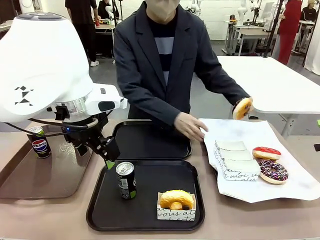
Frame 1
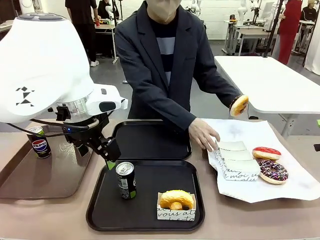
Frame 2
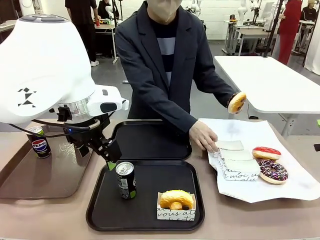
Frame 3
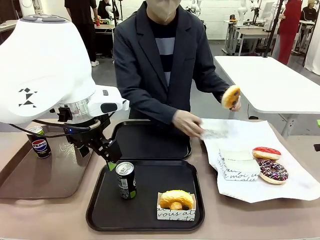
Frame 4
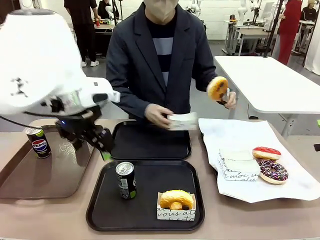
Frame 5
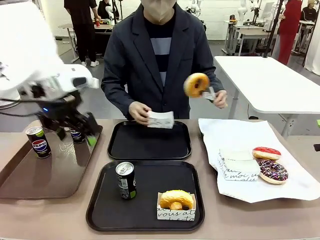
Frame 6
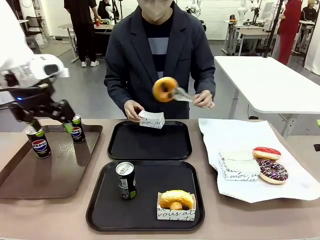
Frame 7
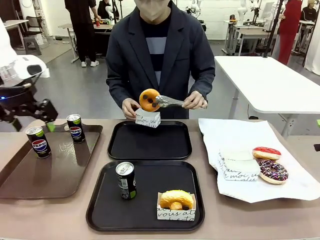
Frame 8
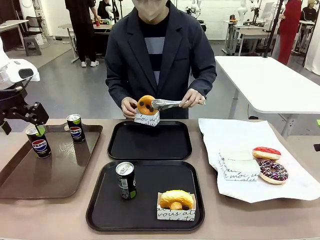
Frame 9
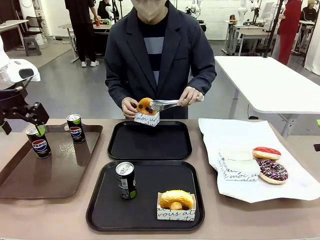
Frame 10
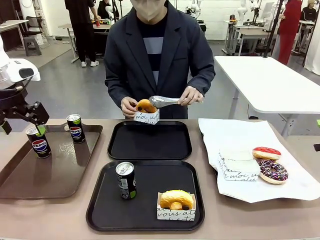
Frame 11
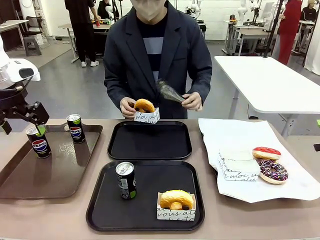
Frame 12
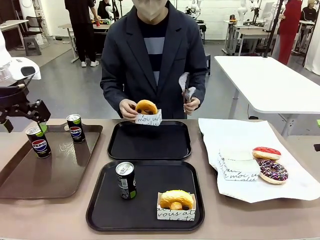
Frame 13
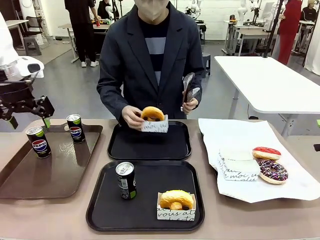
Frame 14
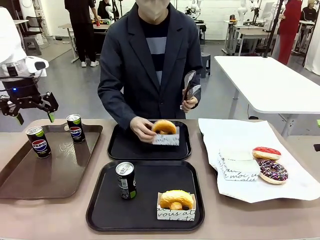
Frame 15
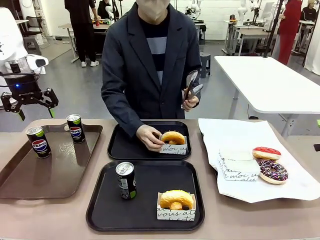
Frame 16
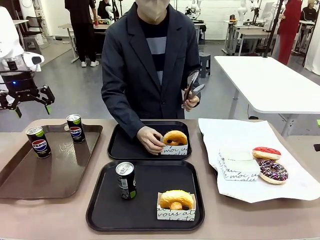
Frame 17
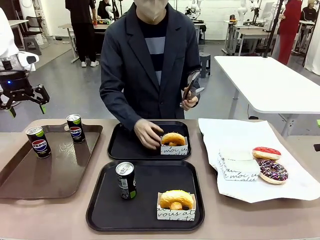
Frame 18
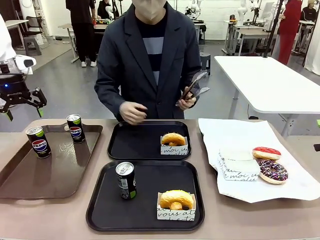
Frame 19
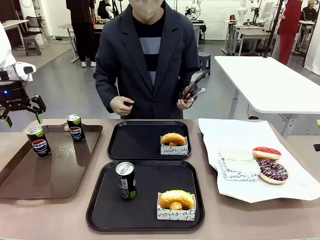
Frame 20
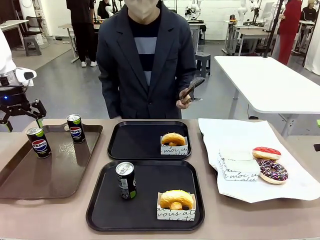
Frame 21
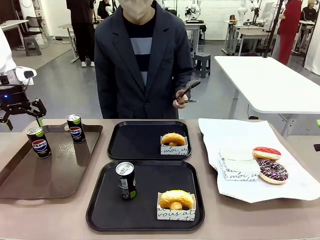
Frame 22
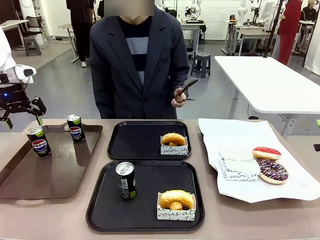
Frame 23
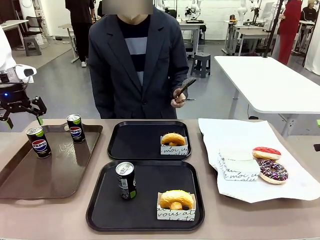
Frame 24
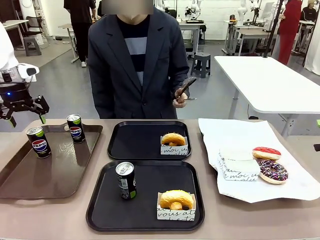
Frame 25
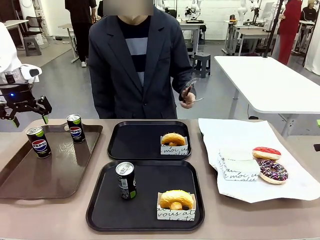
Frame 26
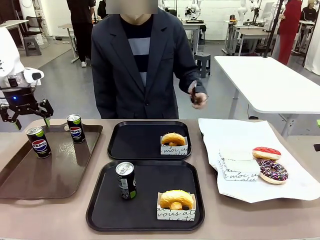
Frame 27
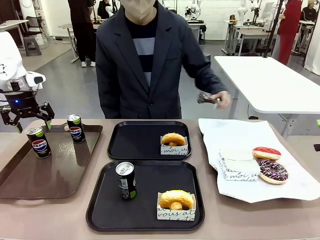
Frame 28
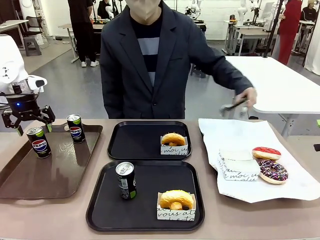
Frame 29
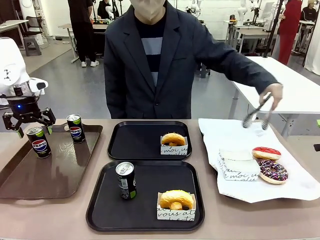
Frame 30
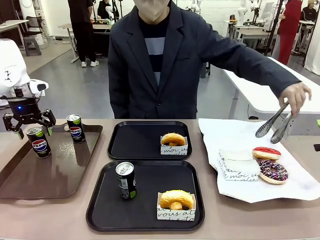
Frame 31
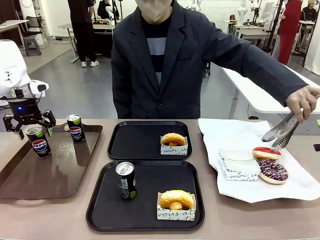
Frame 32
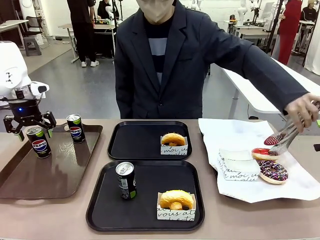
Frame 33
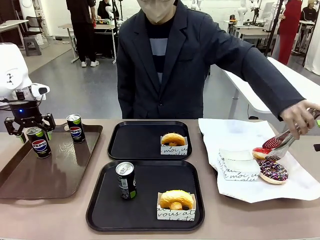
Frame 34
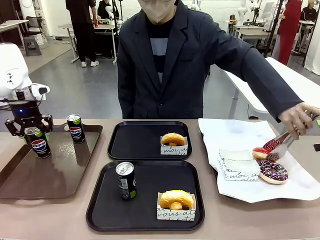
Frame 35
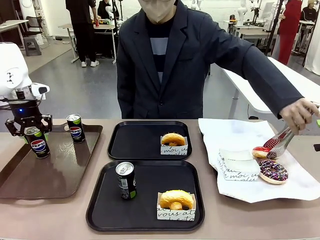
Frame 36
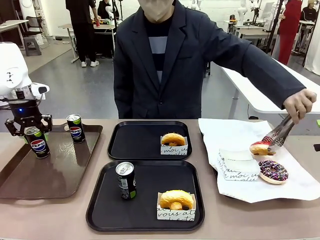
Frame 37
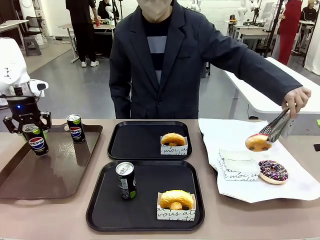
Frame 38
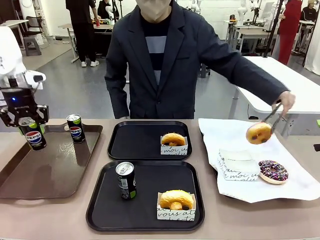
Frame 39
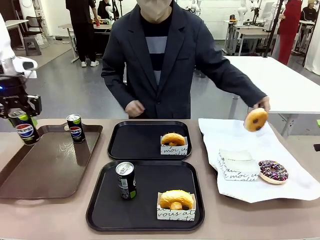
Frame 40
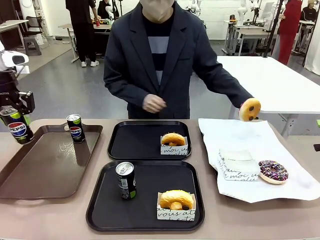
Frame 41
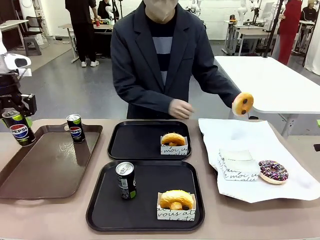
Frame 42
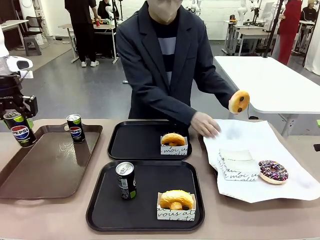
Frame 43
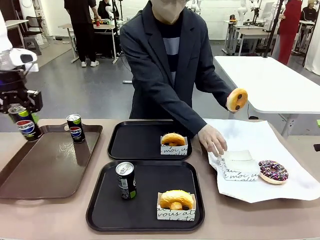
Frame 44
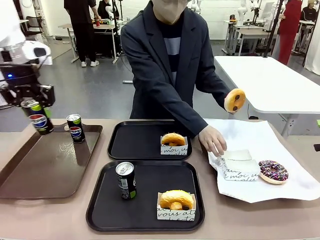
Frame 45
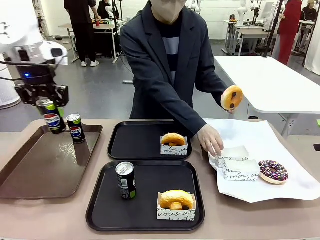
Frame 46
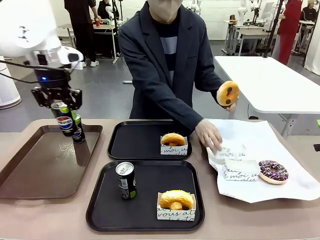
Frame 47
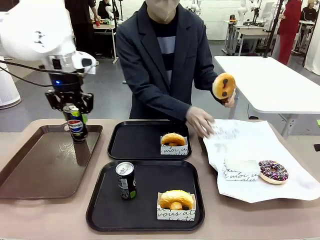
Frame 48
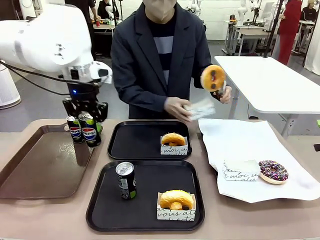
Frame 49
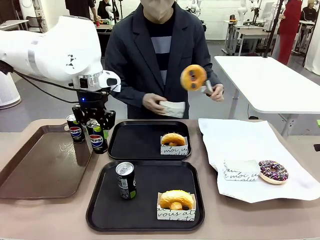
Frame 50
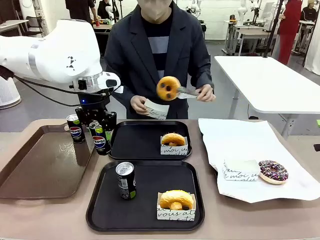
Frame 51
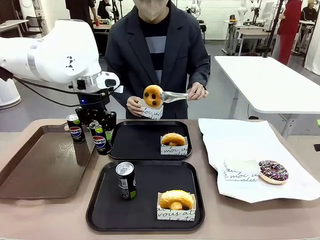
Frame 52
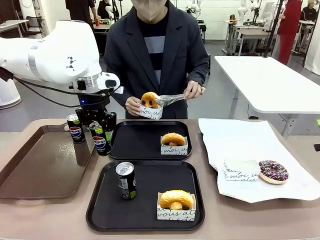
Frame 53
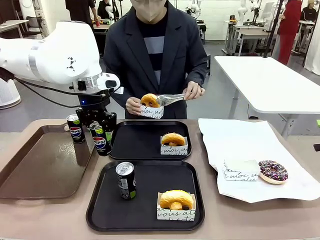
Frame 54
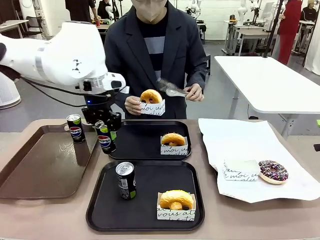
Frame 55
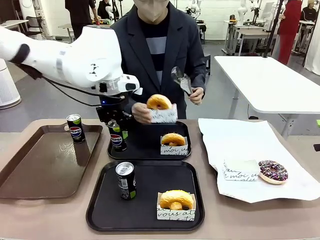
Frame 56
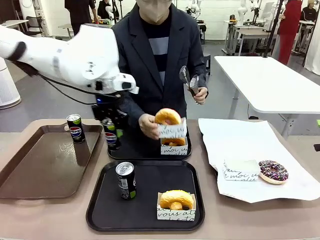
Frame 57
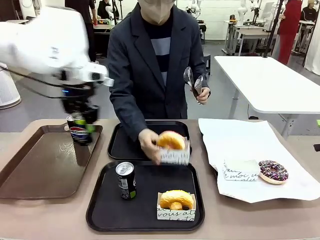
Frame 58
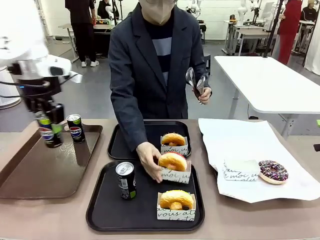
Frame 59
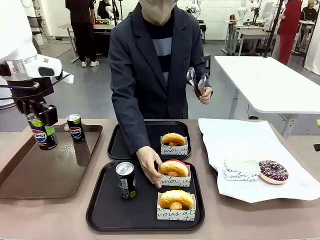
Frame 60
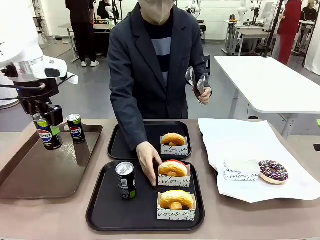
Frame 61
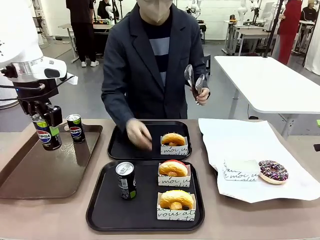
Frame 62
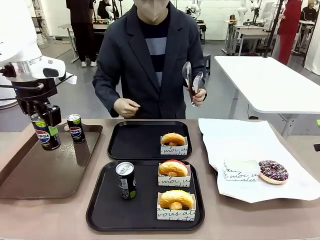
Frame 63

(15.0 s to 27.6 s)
Task: Set up donuts and drinks on trays.
Robot: Pick up one Pepsi coke from the Handle tray and place it on the Flat Tray without a Pepsi coke.

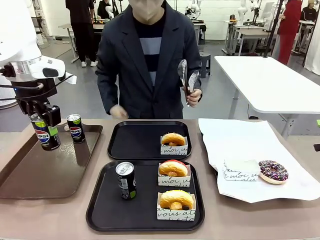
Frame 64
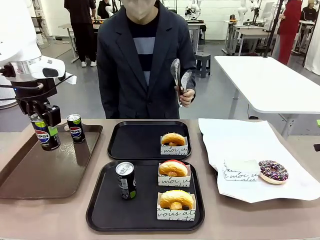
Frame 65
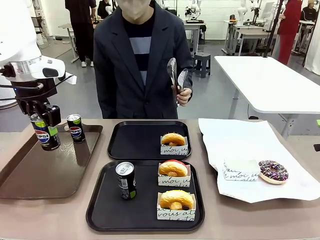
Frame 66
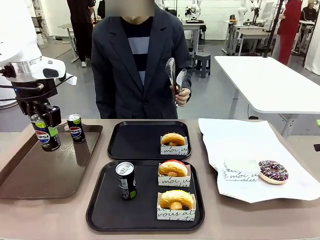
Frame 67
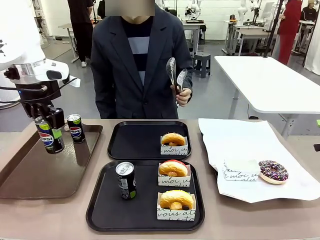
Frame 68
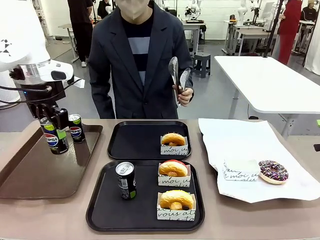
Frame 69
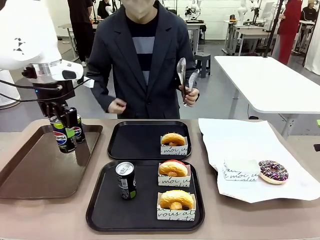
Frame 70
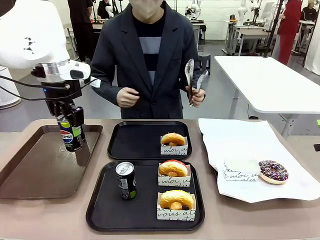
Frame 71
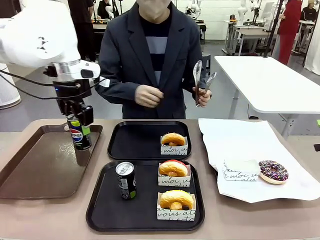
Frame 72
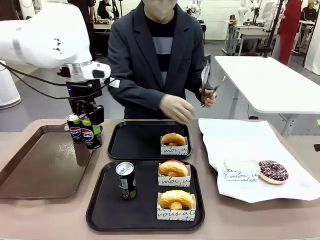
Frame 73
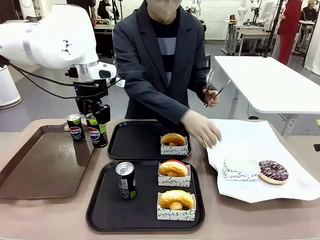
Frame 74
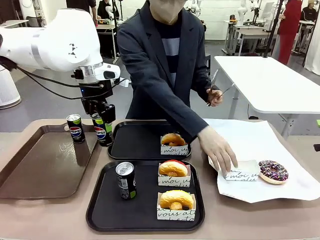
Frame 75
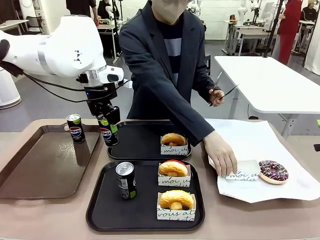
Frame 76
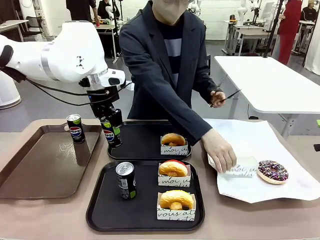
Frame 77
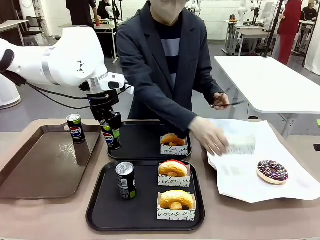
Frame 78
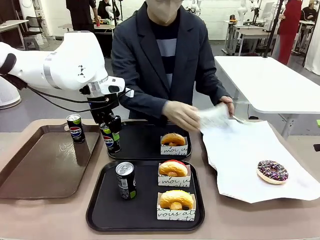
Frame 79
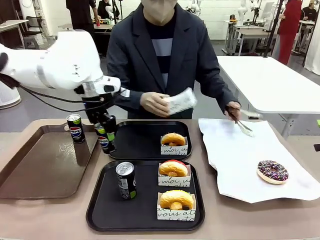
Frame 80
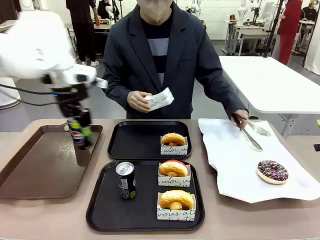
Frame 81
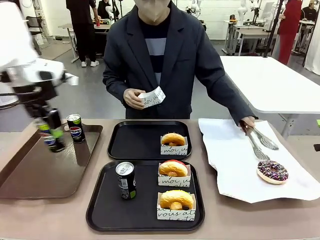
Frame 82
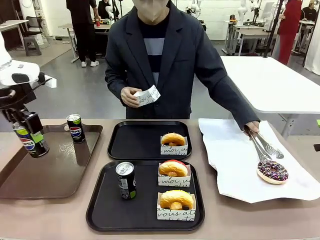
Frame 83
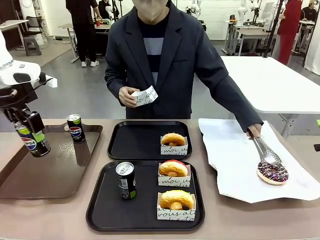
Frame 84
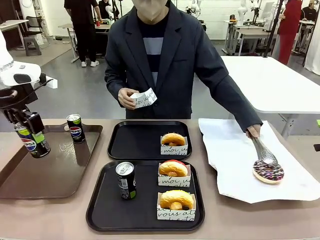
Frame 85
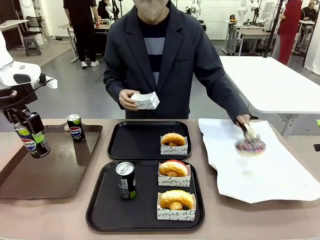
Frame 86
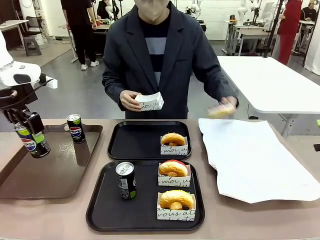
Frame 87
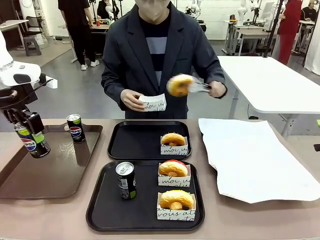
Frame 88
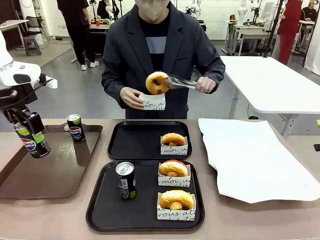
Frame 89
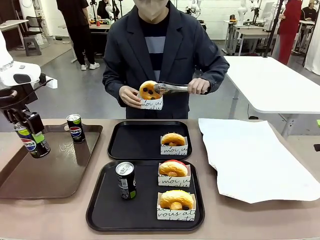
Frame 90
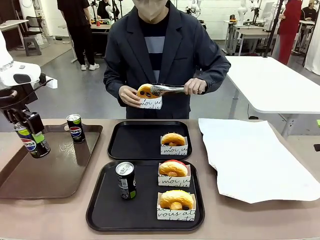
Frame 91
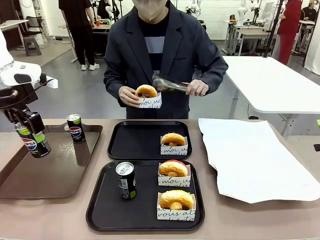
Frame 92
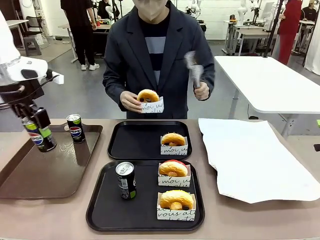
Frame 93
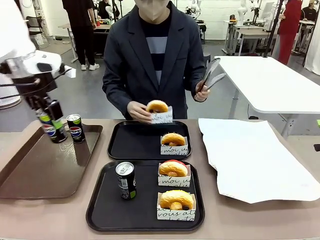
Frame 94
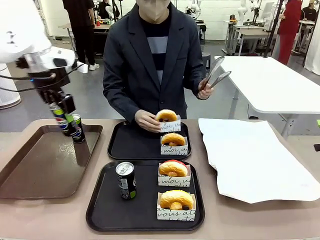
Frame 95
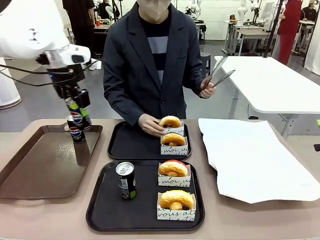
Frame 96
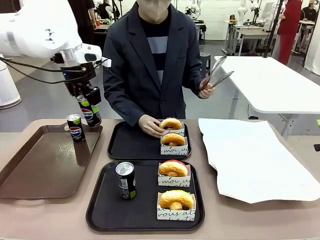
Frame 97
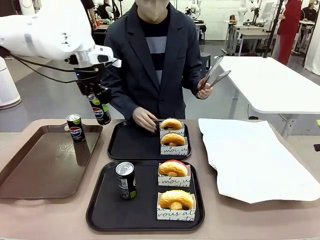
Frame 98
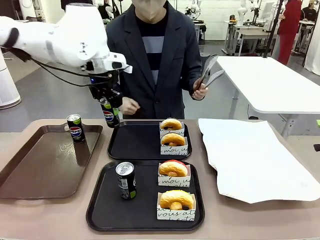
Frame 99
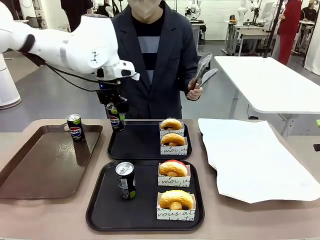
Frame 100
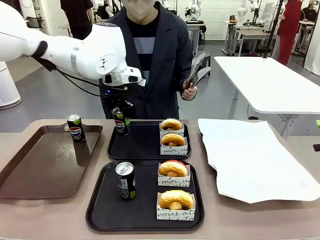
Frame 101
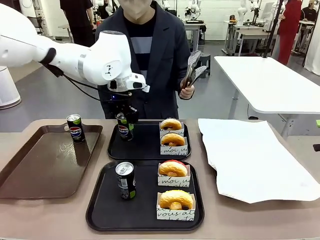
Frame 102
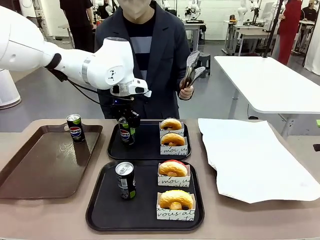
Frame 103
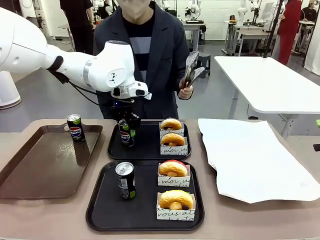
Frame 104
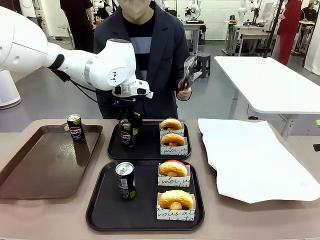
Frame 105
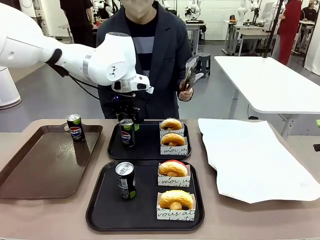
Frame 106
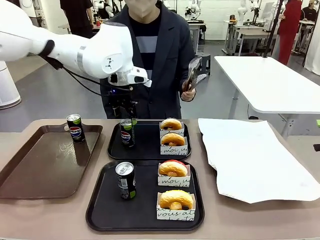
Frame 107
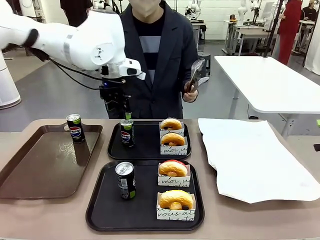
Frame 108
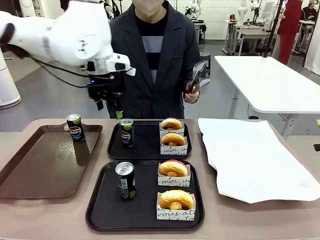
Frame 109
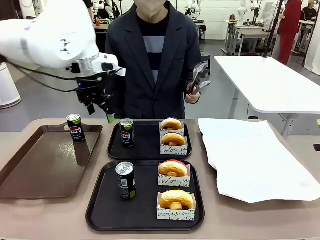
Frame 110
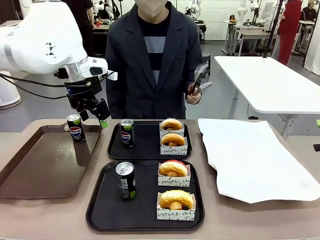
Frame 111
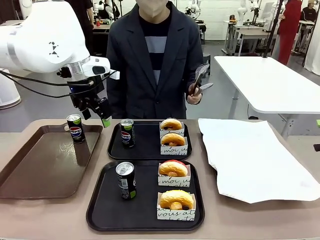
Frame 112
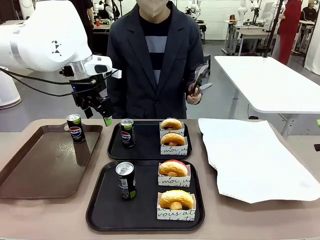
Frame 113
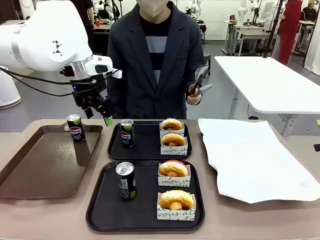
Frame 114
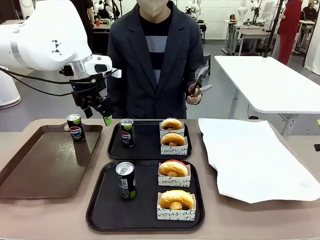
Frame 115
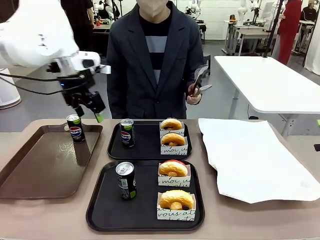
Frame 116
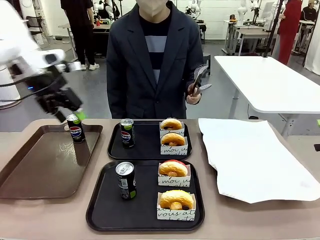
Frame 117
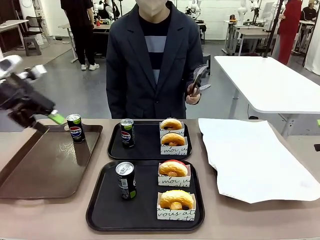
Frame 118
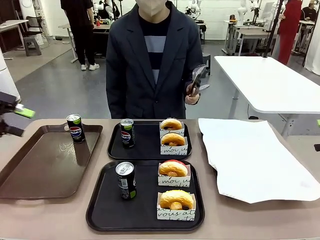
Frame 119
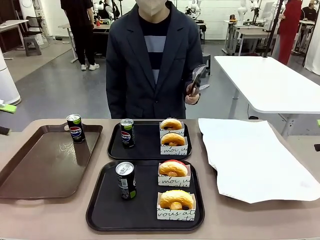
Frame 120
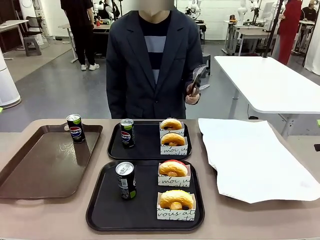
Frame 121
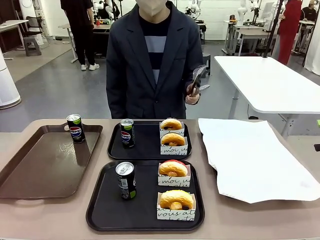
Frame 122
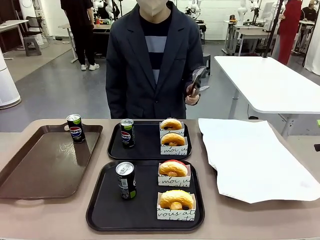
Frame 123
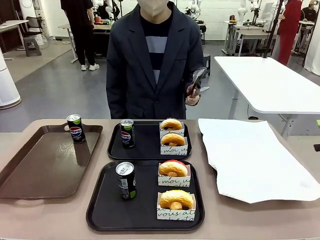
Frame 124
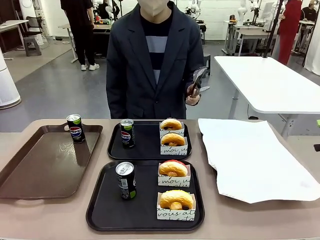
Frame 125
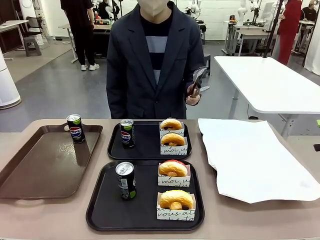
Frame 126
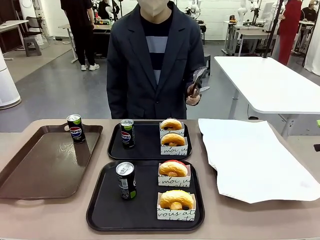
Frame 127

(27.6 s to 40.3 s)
Robot: Pick up one Pepsi coke from the Handle tray and place it on the Flat Tray without a Pepsi coke.
